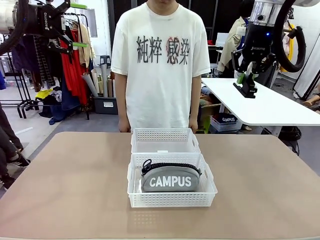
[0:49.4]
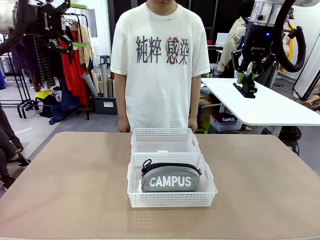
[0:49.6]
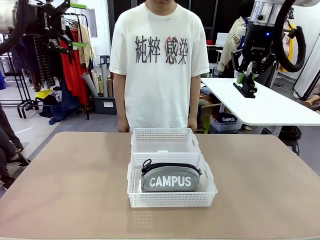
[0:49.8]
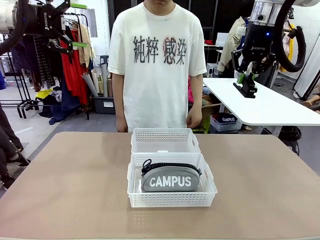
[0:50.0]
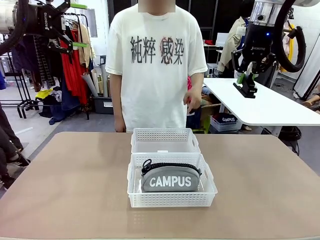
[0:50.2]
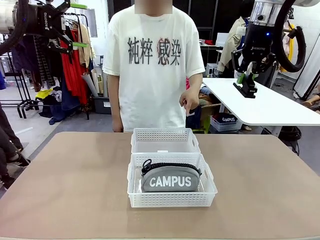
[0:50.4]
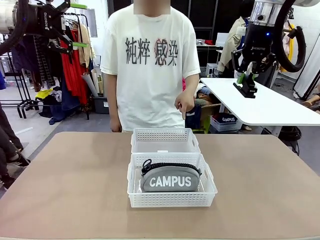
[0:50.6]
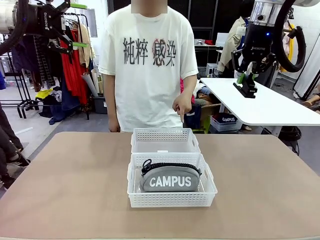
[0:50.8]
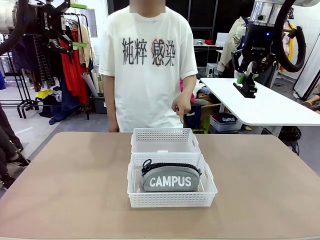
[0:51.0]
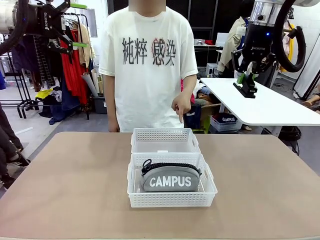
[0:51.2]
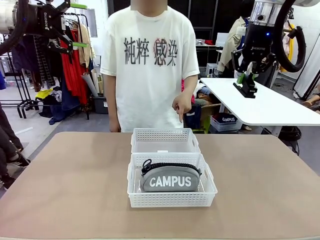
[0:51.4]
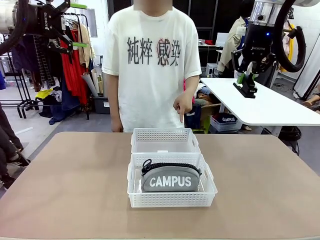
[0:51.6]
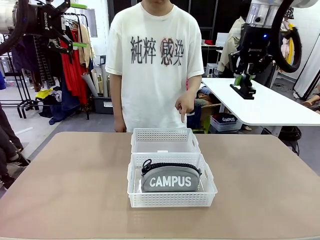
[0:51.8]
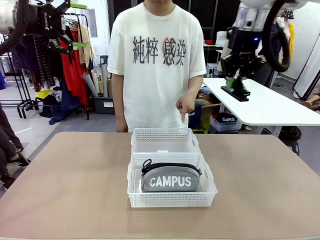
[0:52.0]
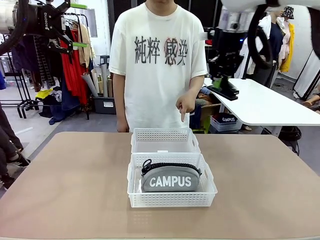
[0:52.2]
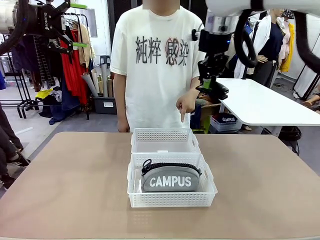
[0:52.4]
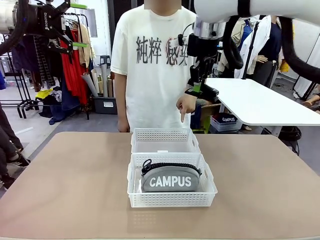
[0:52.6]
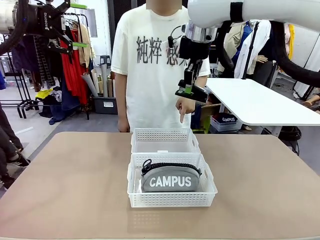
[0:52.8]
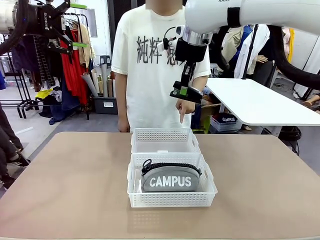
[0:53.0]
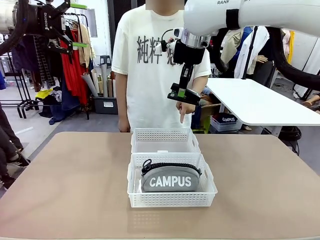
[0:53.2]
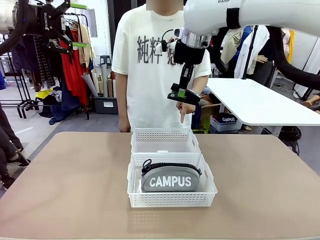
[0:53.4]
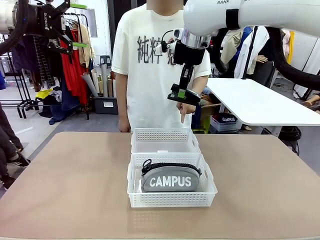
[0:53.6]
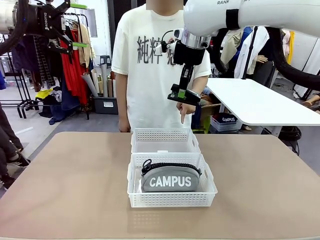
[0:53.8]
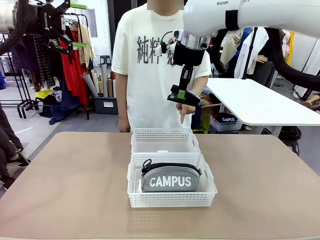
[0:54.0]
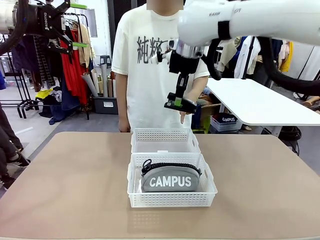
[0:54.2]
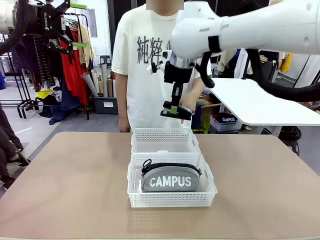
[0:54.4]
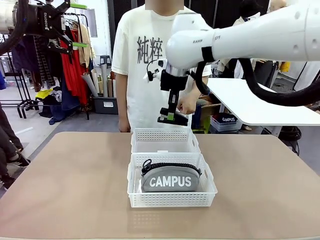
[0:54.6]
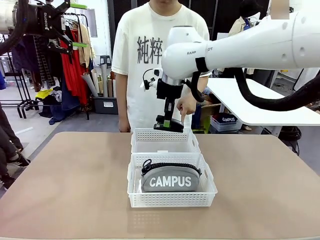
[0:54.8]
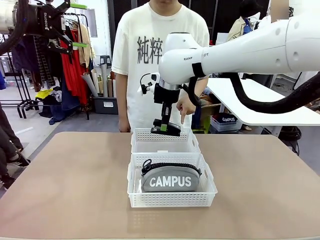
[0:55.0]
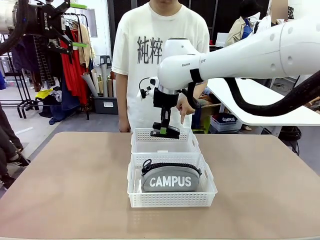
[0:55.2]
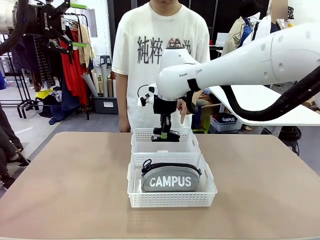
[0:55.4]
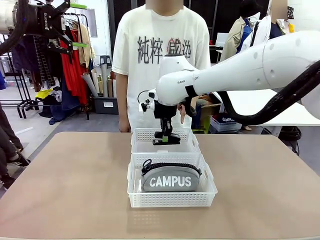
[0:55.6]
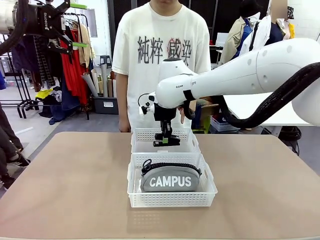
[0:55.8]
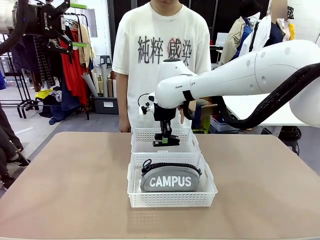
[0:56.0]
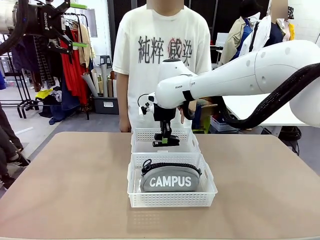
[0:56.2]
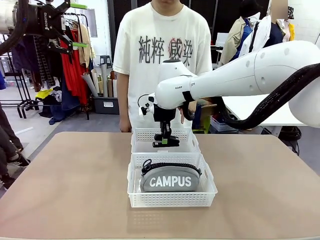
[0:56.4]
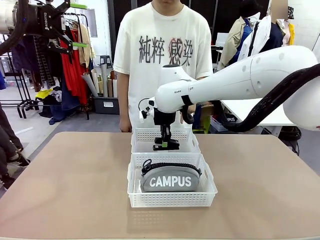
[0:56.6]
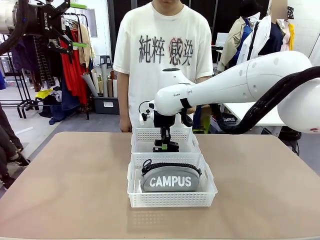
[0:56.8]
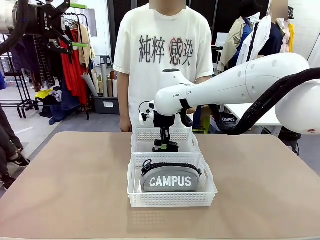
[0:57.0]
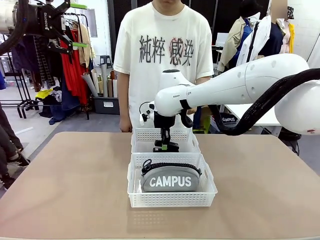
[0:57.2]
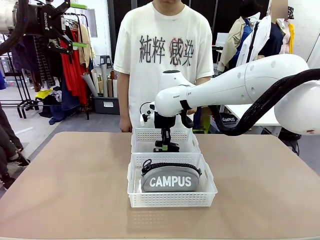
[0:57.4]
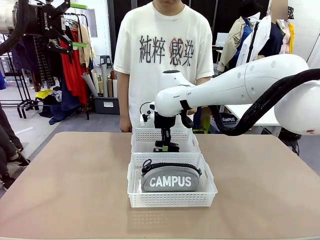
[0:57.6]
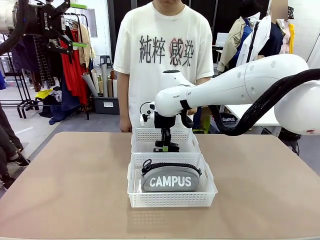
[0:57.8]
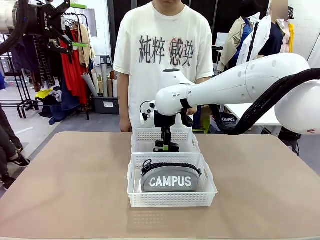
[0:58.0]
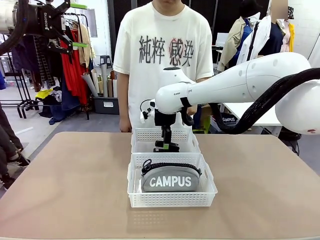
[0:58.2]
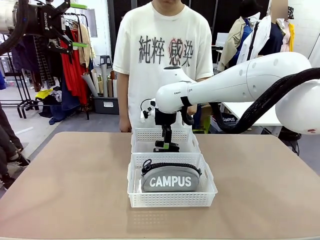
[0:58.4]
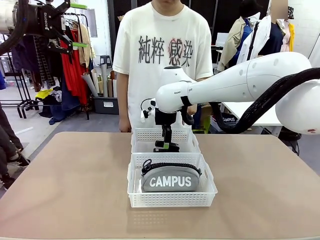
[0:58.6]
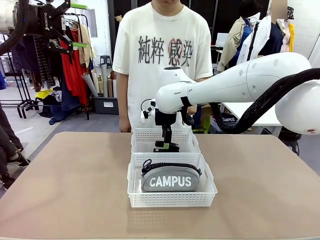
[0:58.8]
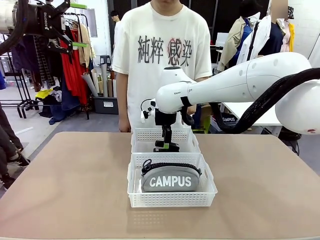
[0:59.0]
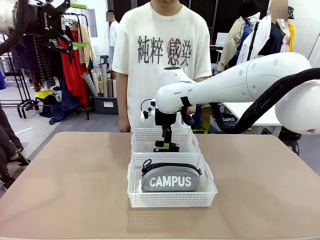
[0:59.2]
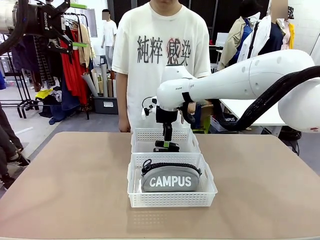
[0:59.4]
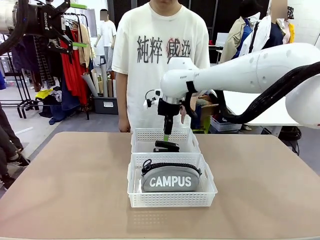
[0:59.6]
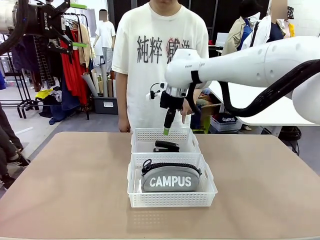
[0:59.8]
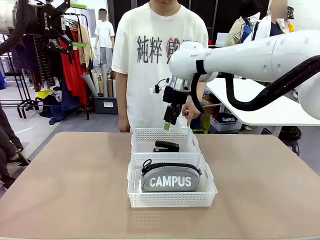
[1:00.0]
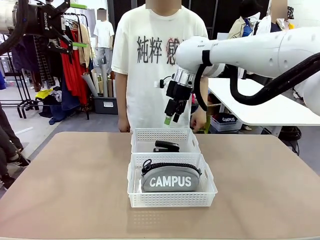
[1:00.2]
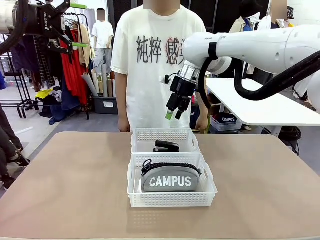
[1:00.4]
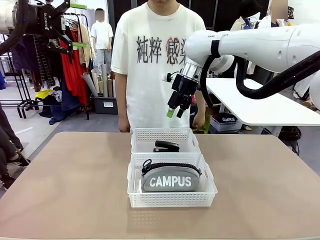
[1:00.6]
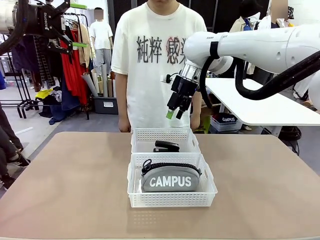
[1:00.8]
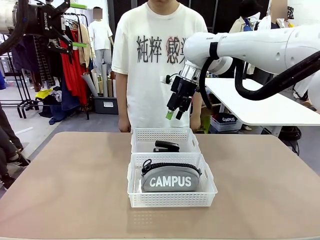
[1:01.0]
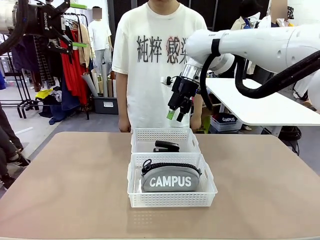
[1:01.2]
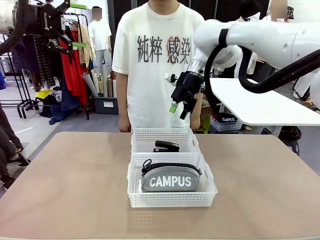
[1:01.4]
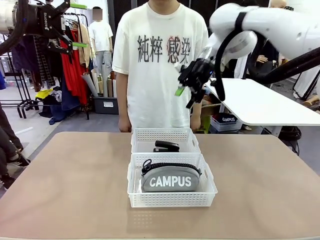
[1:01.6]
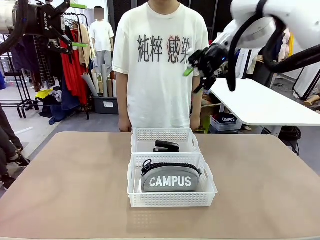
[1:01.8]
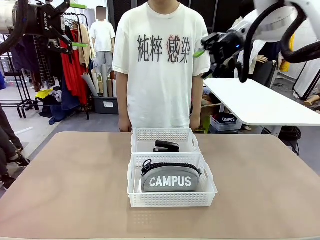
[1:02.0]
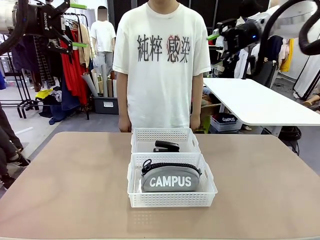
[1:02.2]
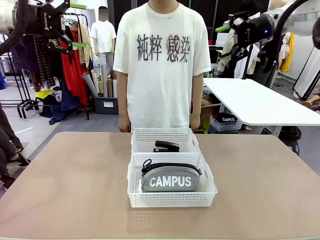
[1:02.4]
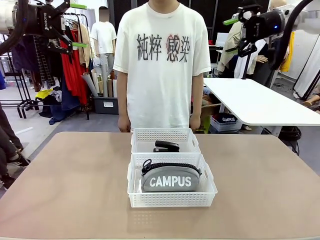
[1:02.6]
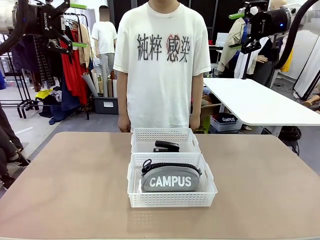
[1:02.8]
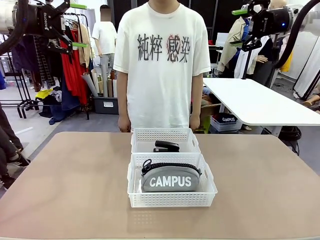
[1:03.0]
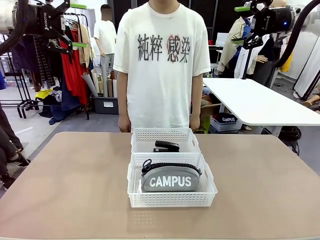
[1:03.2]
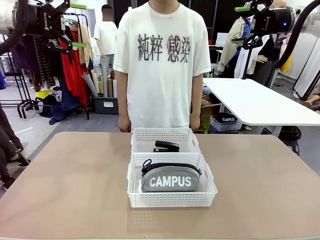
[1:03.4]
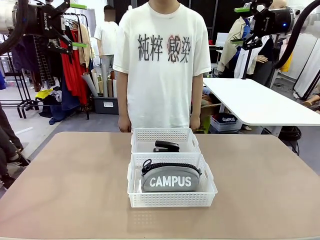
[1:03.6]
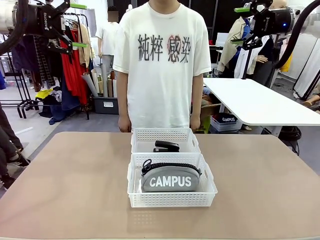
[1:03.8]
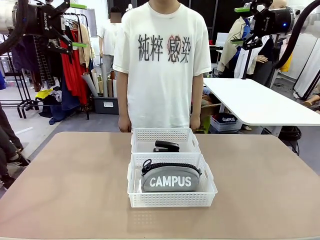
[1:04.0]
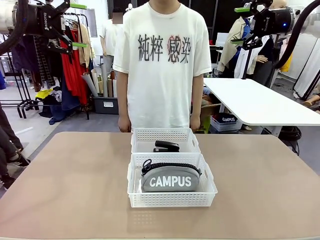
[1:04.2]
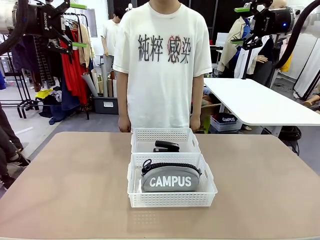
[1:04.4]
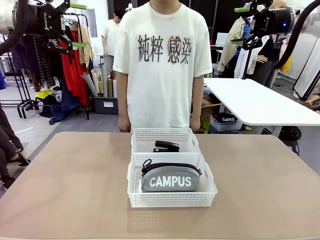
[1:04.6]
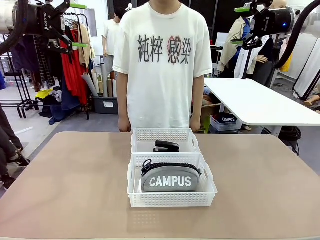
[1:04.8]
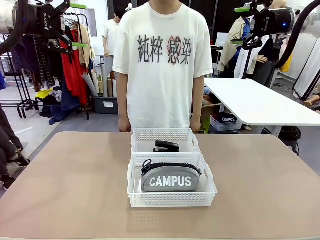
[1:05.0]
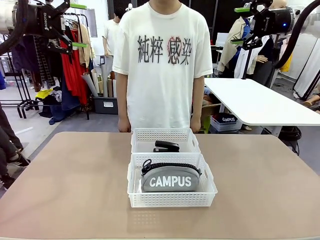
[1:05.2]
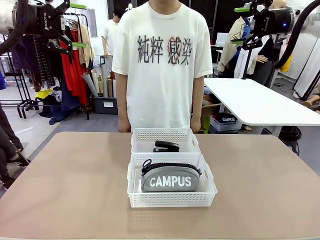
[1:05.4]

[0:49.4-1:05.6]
Task: Distribute items into two baskets.
Robot: Place the picked Stapler into the Organizing basket as instructed by the person.
Person: Points to the basket that does not contain the pencil case and instructs the robot to move the stapler there.
